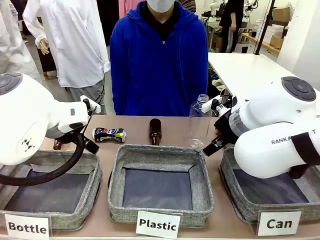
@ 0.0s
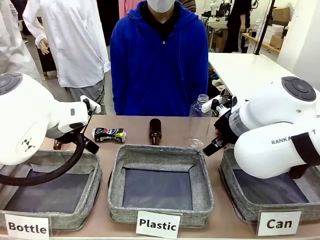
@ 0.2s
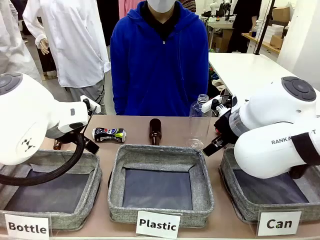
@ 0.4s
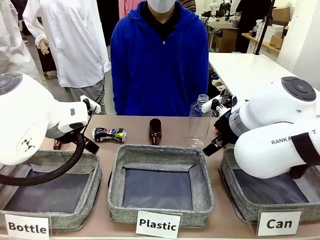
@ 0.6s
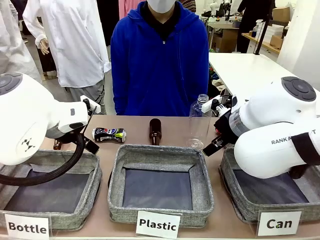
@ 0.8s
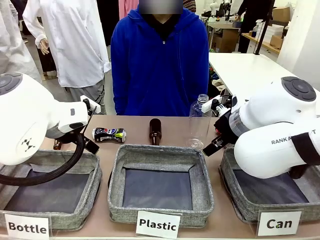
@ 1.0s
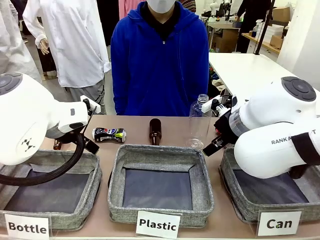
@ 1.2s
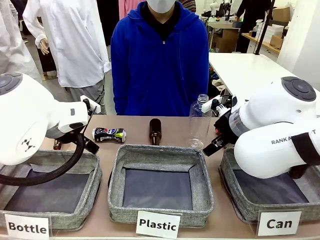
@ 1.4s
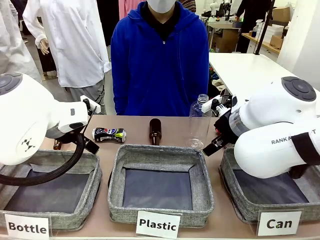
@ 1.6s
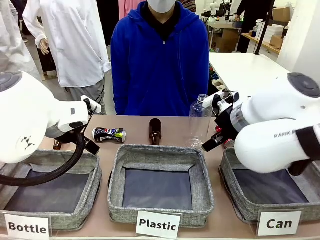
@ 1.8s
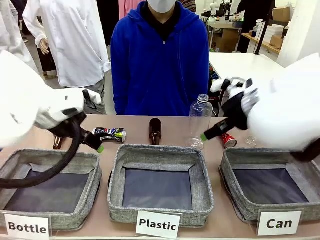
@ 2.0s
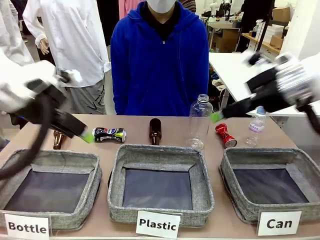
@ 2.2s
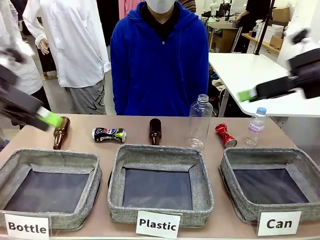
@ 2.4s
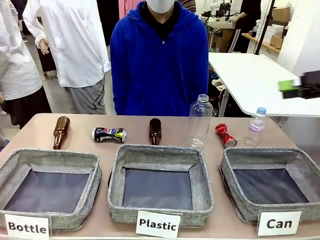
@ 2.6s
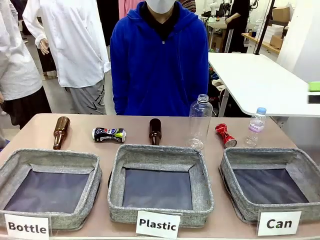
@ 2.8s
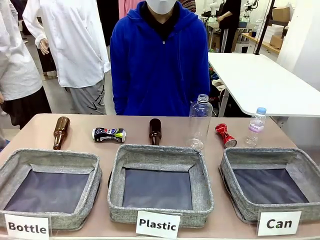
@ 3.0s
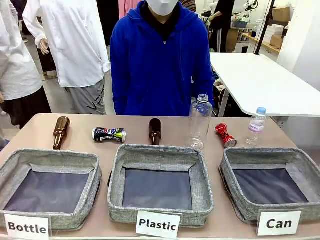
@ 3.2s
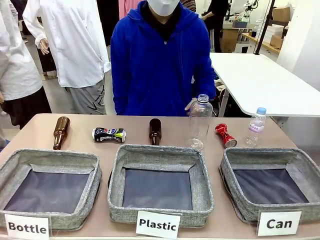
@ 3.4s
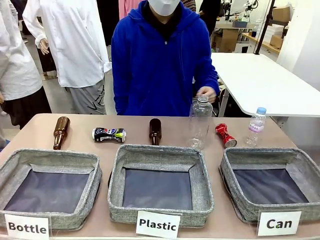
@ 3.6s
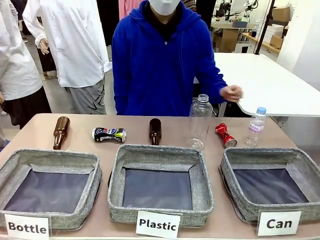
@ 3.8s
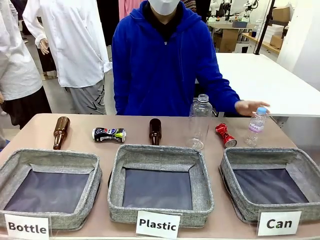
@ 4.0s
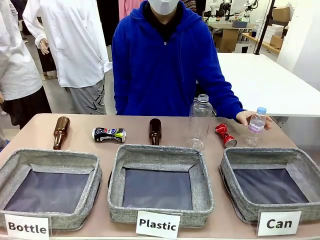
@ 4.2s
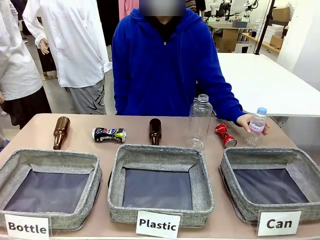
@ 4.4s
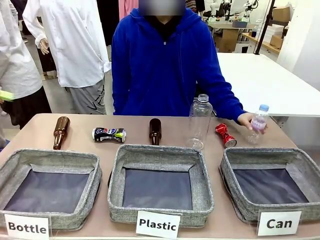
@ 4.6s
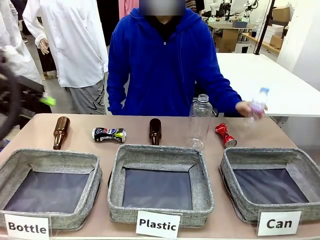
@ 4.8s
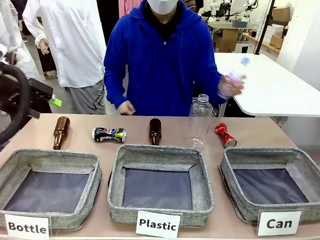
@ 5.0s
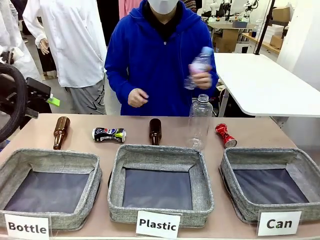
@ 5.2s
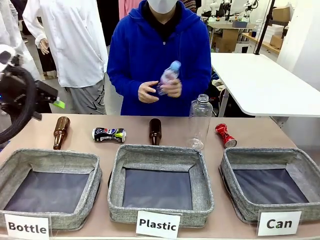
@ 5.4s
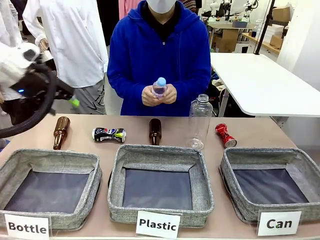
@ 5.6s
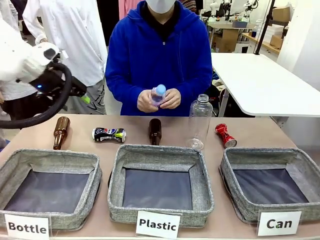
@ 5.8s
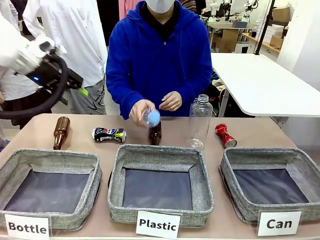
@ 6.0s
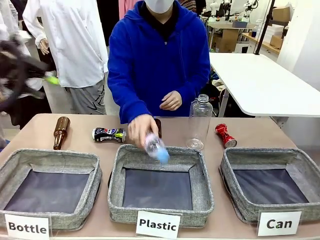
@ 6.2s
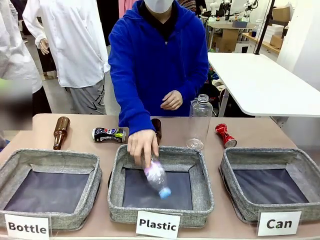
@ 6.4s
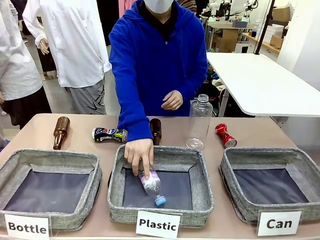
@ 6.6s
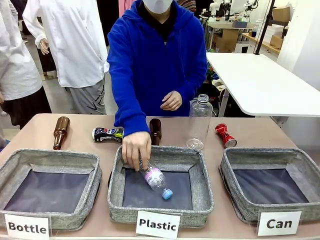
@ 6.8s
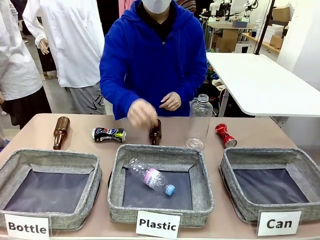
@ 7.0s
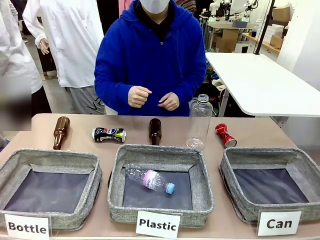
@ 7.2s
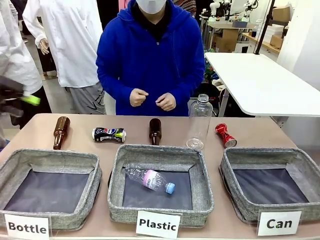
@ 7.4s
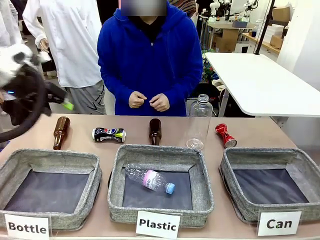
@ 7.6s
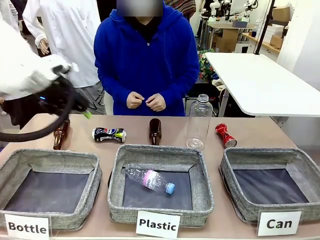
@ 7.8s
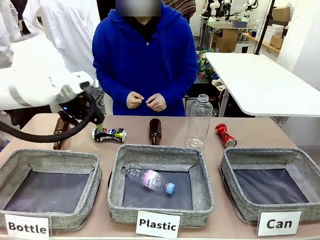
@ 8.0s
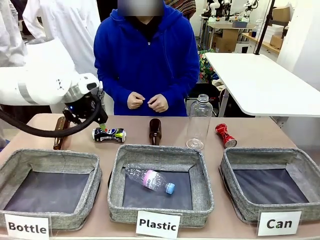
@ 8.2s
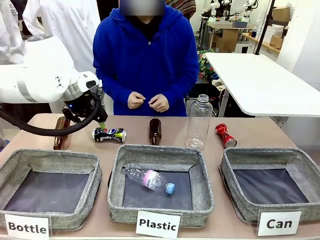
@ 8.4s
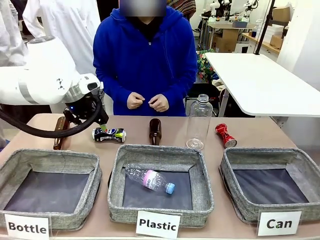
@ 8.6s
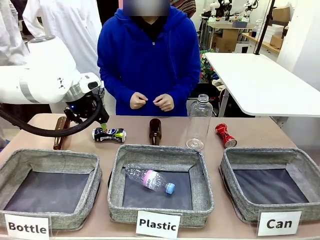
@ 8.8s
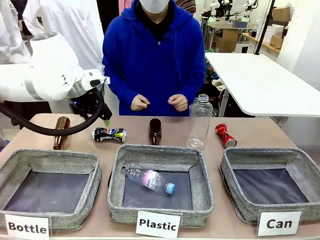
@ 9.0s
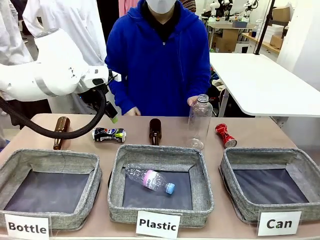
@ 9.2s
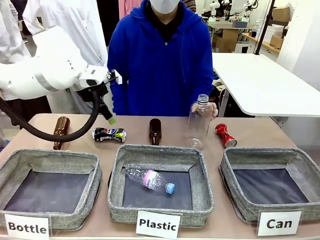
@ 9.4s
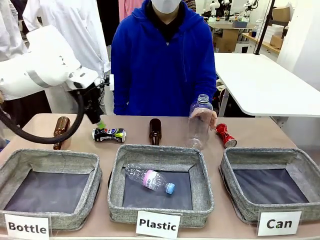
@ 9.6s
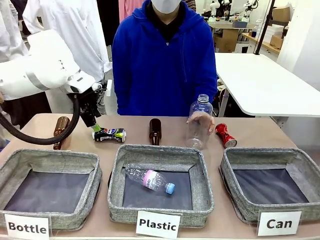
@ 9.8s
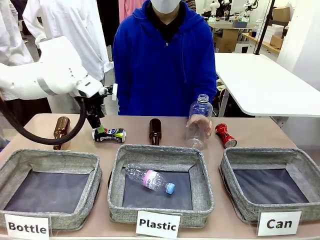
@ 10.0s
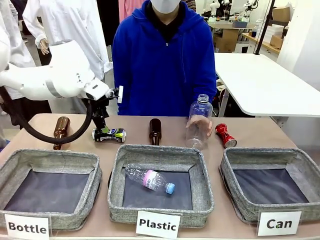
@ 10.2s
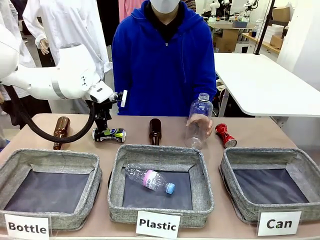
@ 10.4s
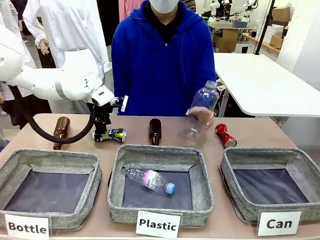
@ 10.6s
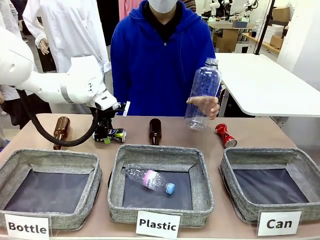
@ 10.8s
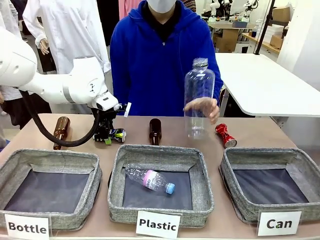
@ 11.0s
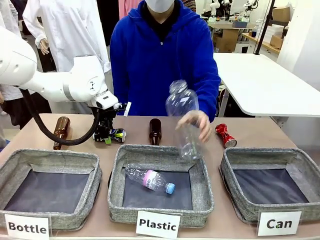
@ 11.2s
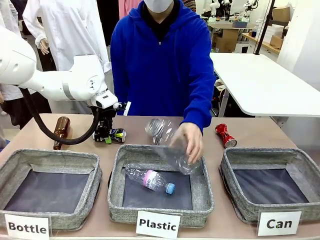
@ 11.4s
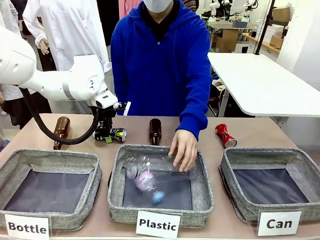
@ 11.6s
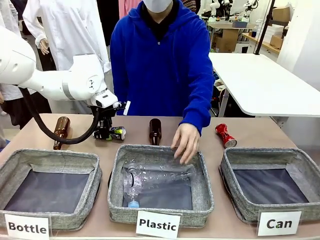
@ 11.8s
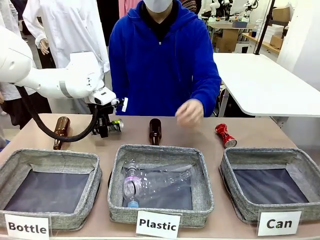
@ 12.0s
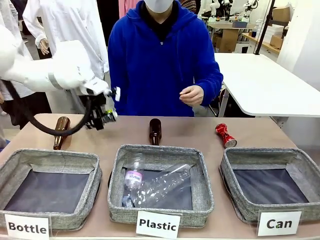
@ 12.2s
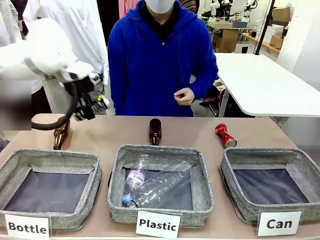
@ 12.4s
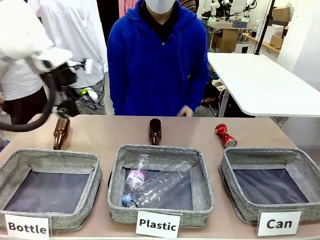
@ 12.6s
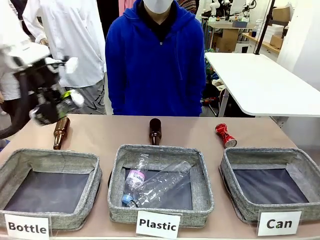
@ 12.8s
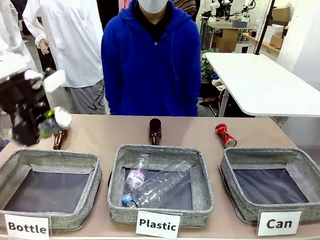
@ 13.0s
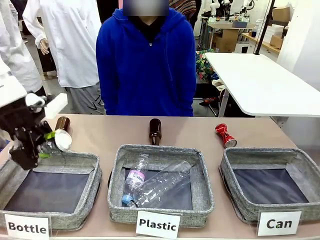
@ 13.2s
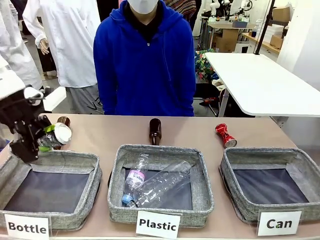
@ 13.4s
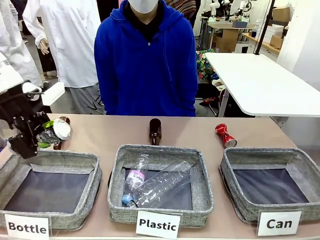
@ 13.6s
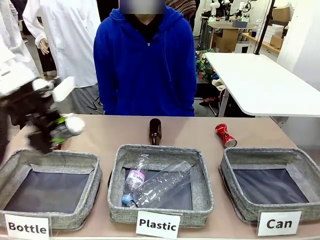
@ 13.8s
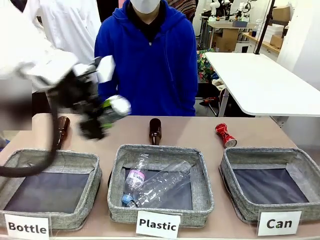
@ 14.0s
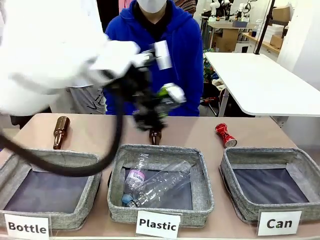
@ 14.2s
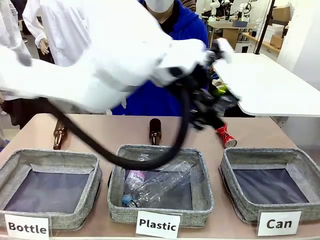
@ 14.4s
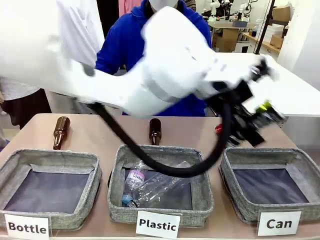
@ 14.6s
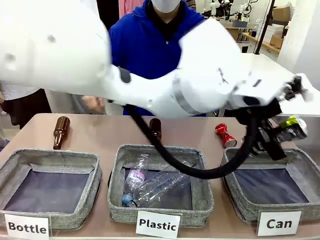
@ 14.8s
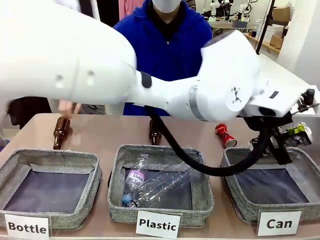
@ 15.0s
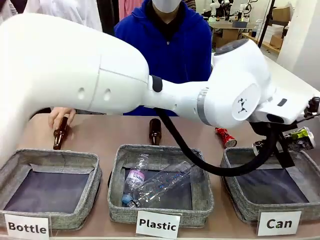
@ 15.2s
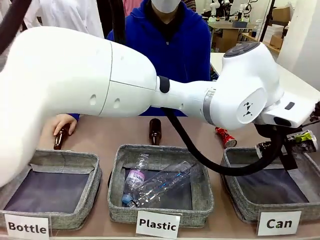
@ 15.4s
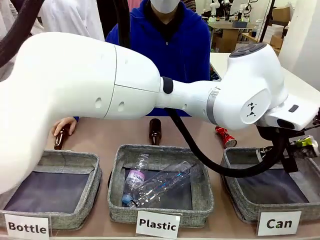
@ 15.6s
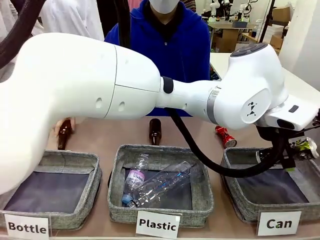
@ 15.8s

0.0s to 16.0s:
Task: Sort the can waste into the basket.
Robot: Pick up the can waste from the table and place it in the right Fabric basket.
